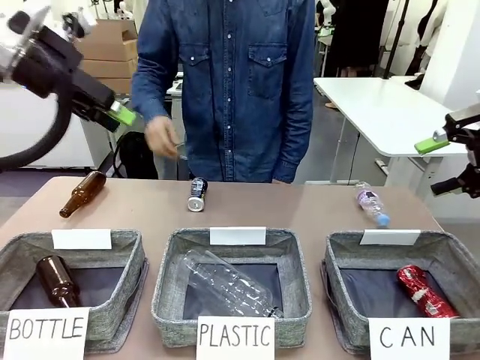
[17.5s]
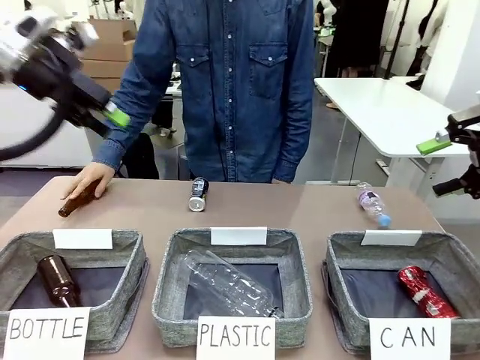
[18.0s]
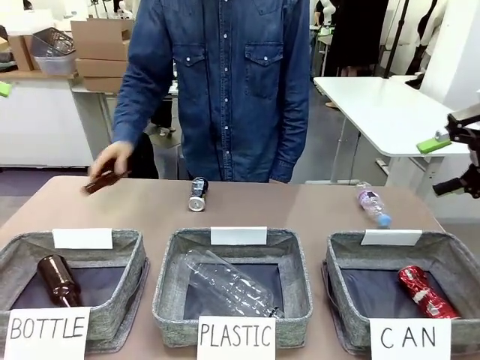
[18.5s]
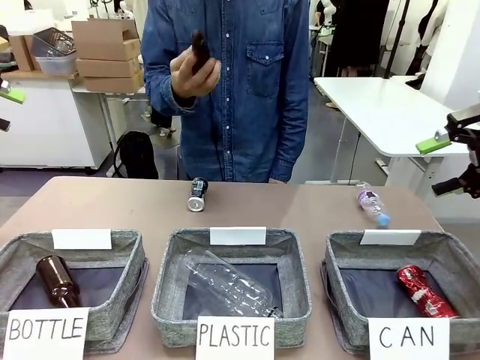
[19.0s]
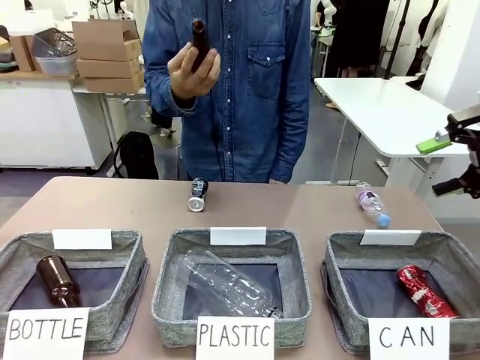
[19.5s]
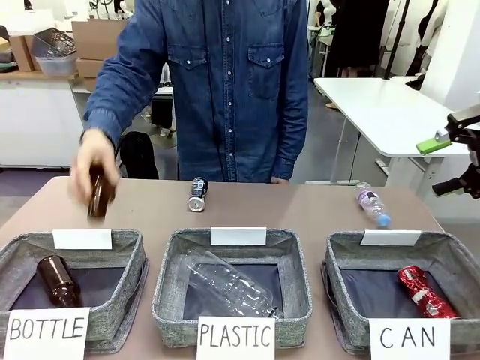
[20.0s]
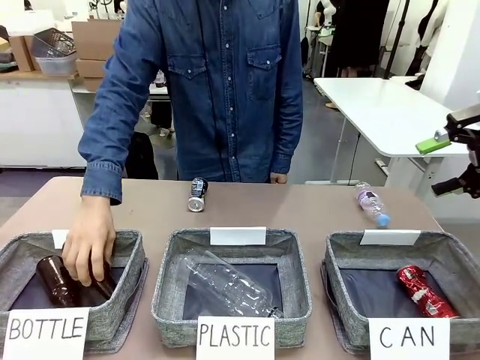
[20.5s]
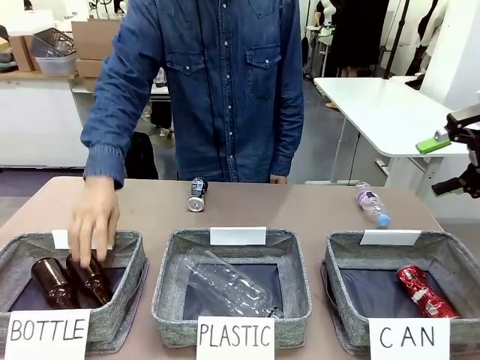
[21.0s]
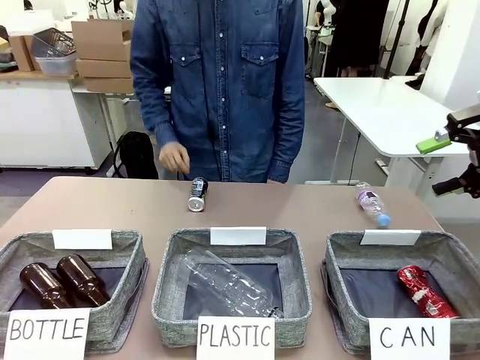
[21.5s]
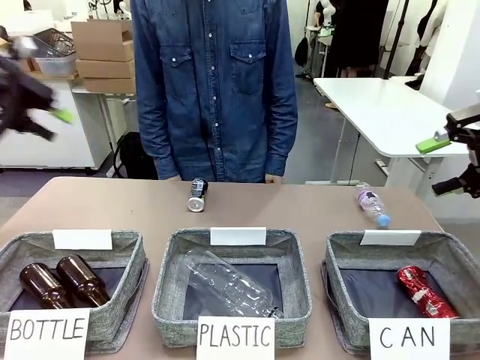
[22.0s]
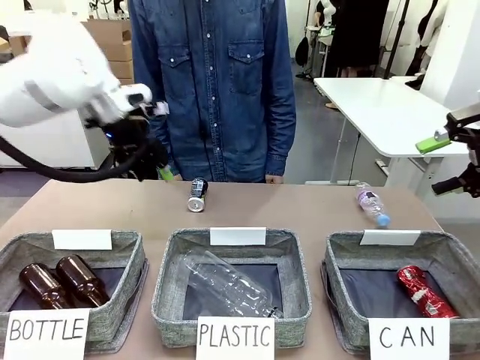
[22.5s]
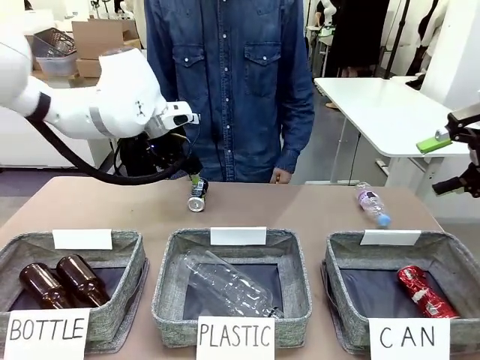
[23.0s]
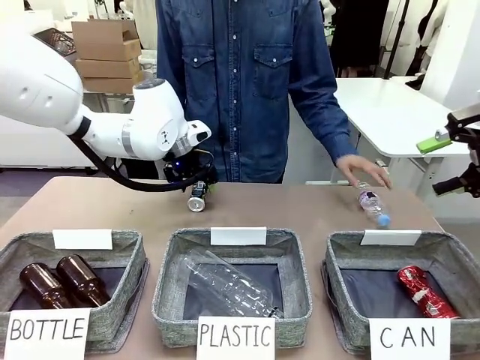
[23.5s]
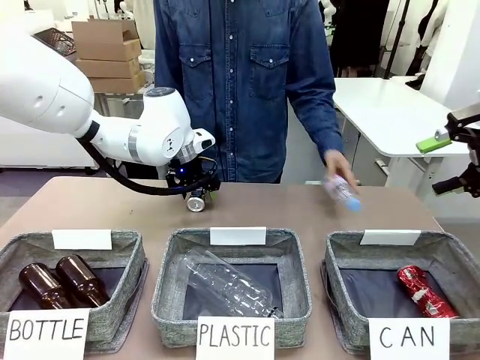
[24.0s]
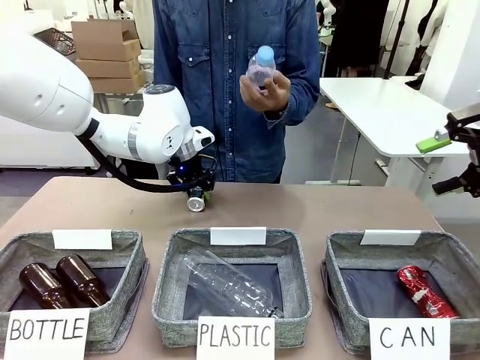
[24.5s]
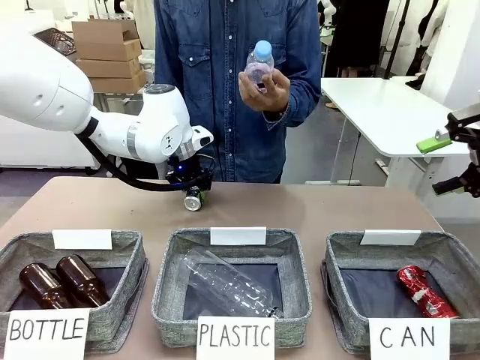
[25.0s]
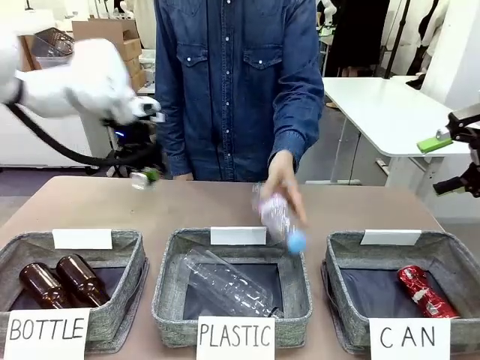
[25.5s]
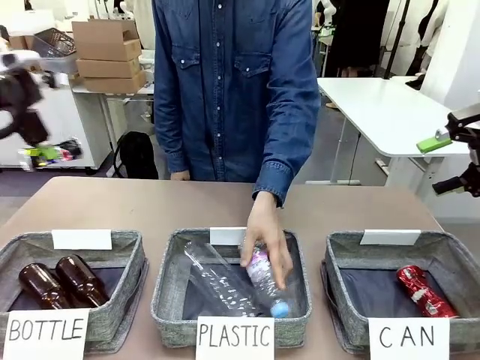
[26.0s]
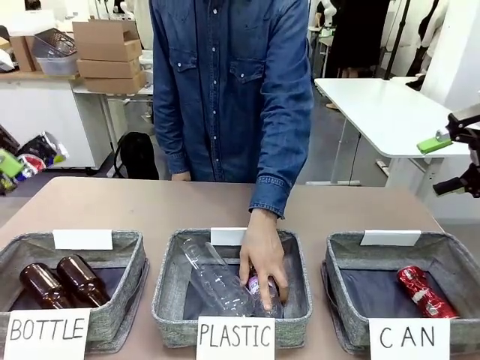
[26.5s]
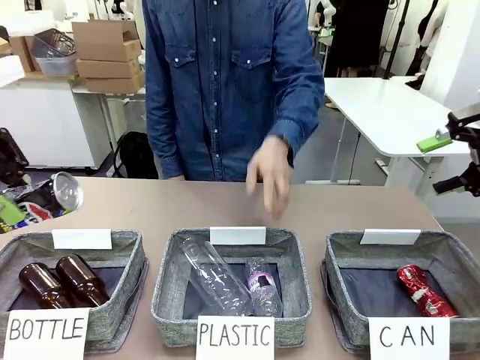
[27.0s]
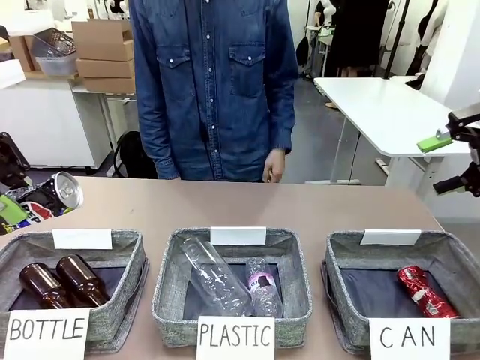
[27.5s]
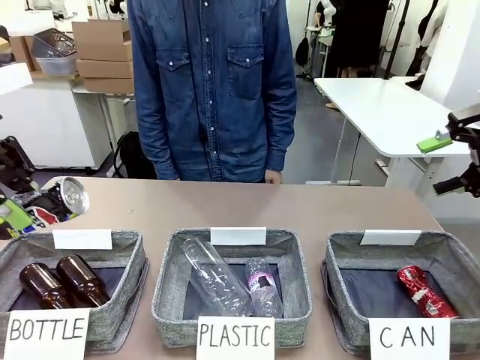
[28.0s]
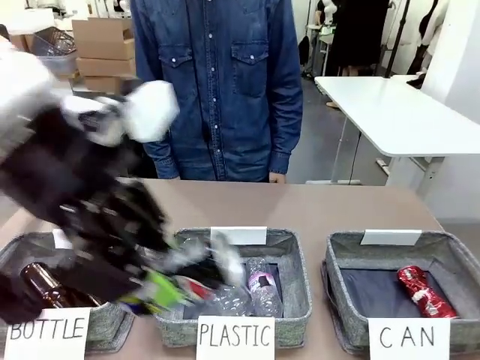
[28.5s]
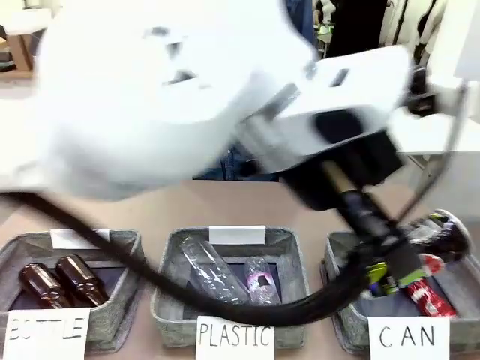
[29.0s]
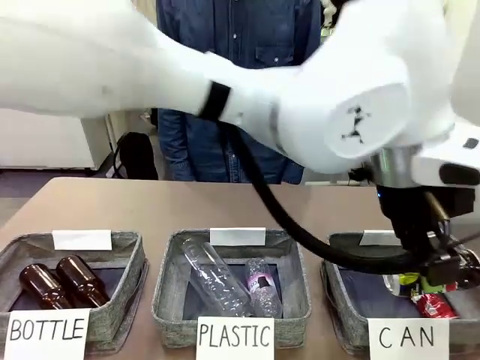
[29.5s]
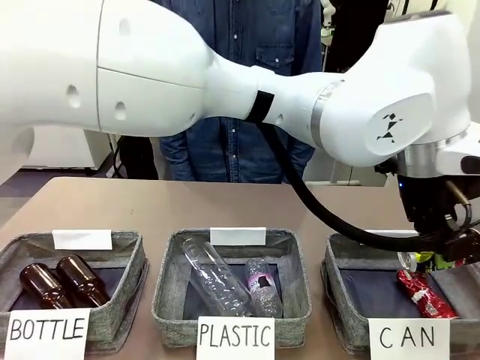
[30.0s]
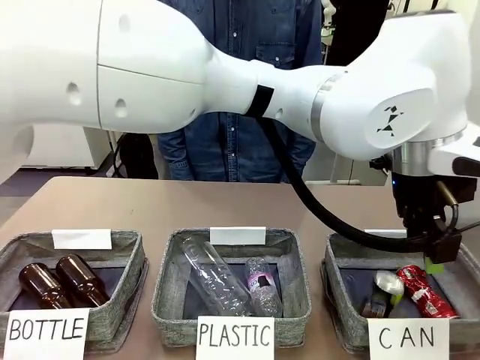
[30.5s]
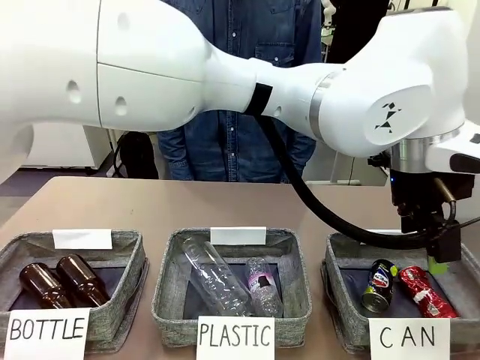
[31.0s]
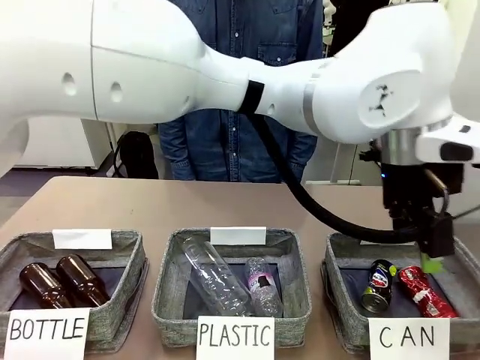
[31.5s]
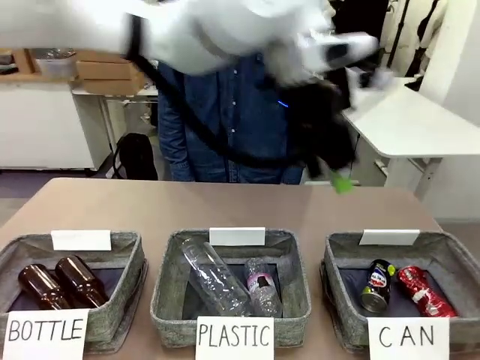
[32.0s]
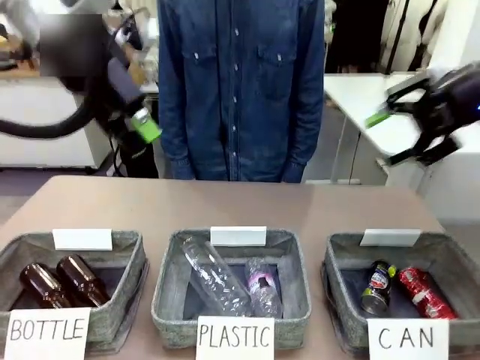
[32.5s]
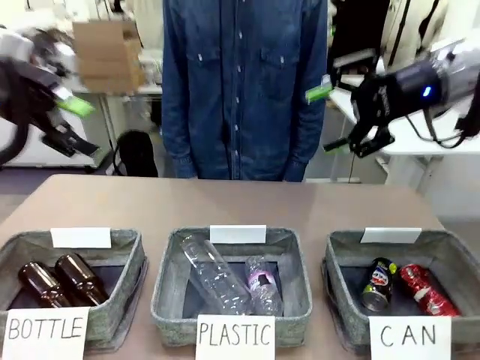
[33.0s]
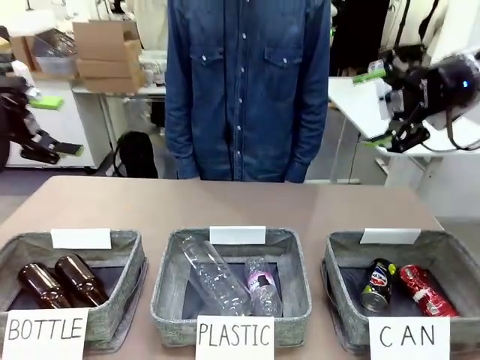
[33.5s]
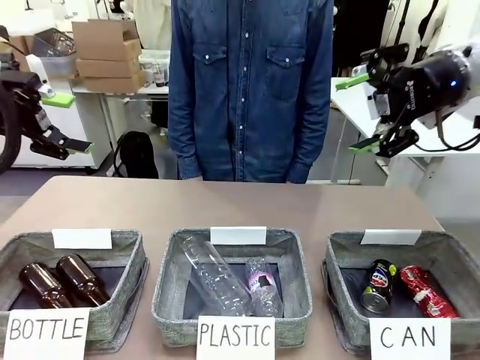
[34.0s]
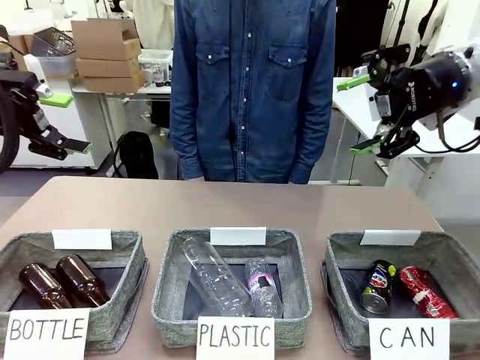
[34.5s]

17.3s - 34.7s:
Task: Sort the can waste into the basket.
Robot: Pick up the can waste from the table and place it in the right Fabric basket.
Person: The human picks up one piece of trash that is not a can and places the trash into the appropriate organizing basket.

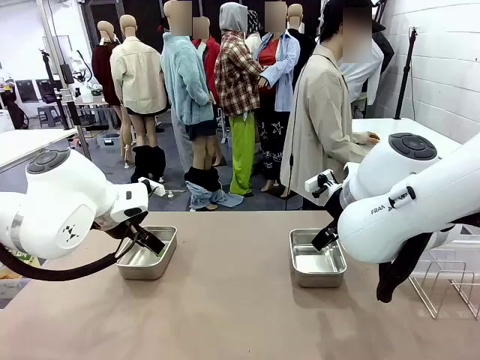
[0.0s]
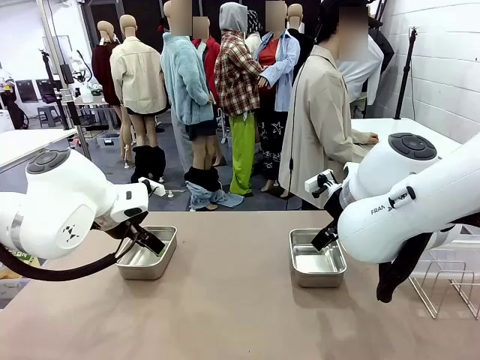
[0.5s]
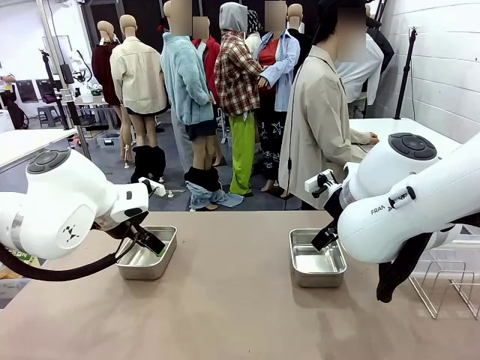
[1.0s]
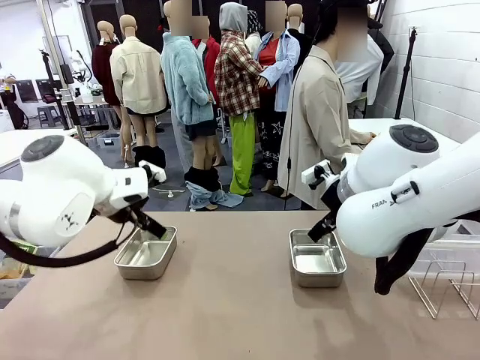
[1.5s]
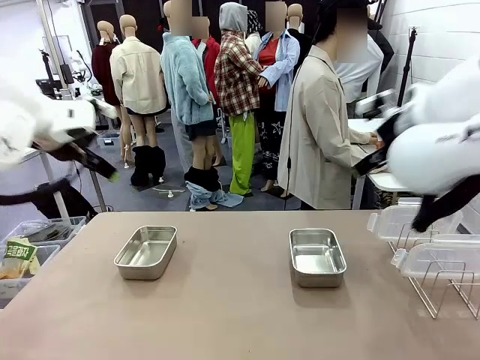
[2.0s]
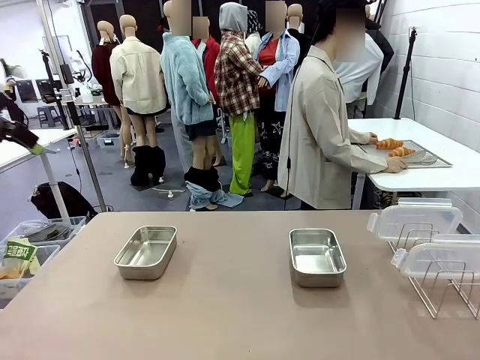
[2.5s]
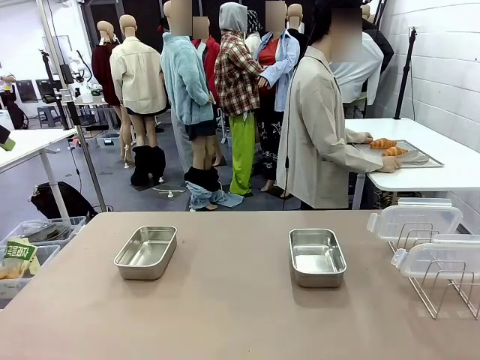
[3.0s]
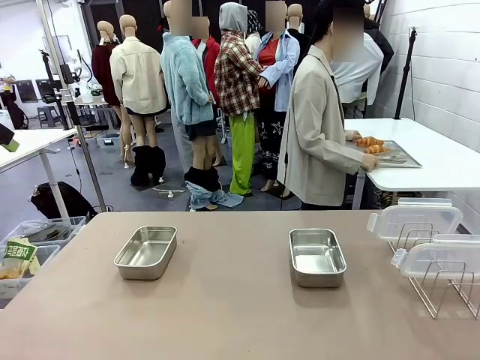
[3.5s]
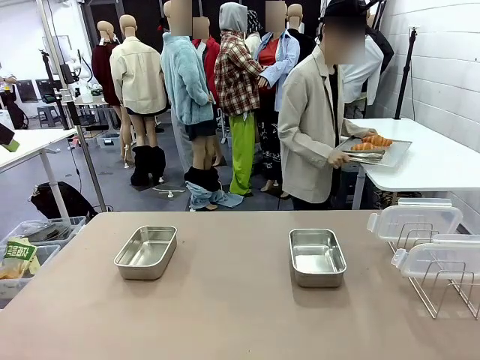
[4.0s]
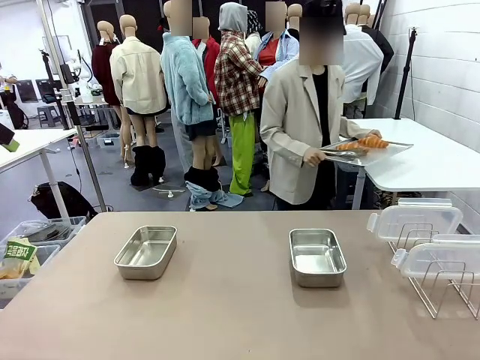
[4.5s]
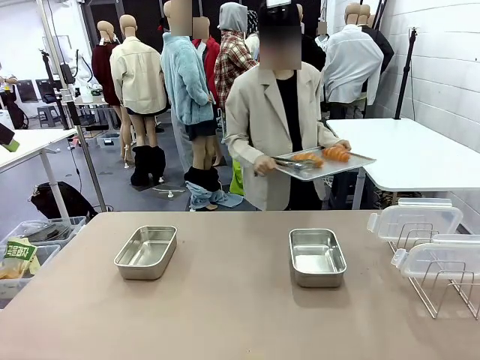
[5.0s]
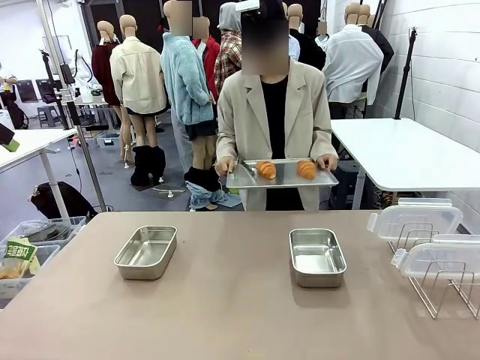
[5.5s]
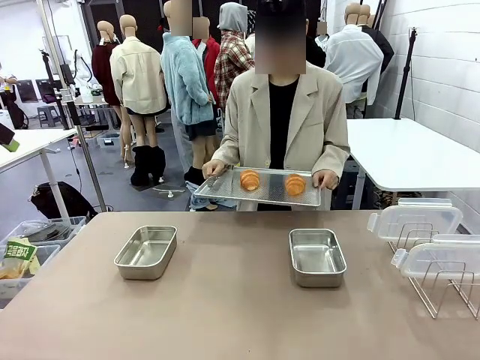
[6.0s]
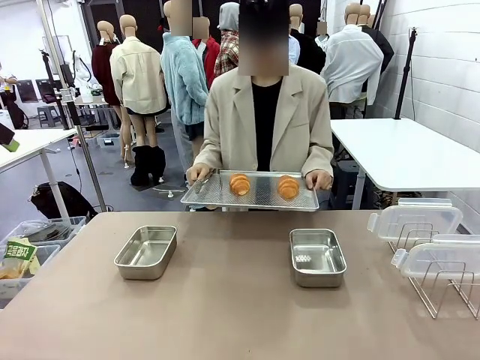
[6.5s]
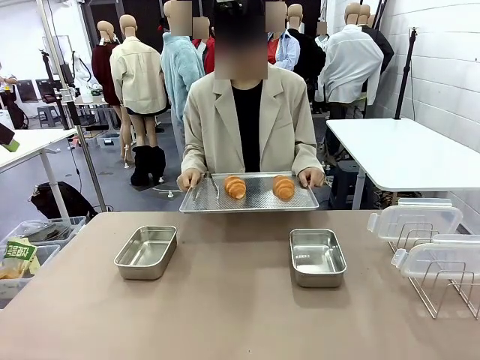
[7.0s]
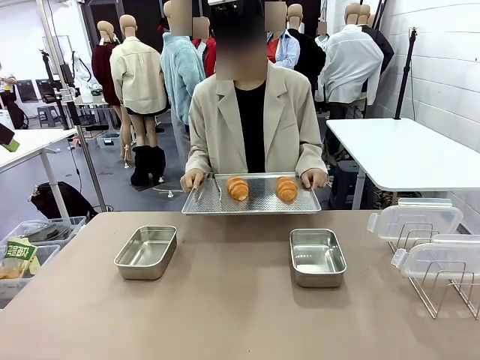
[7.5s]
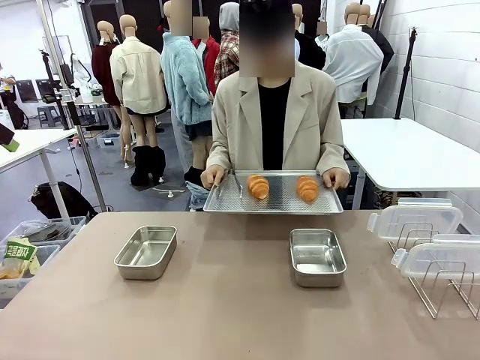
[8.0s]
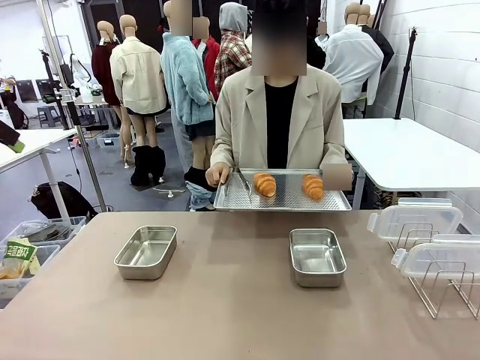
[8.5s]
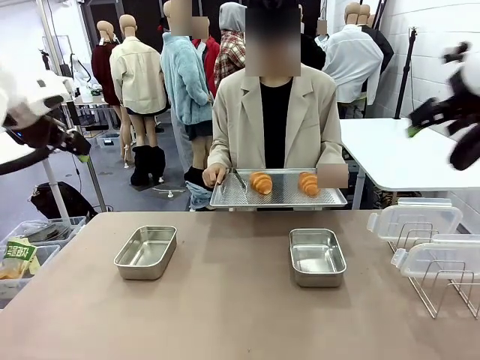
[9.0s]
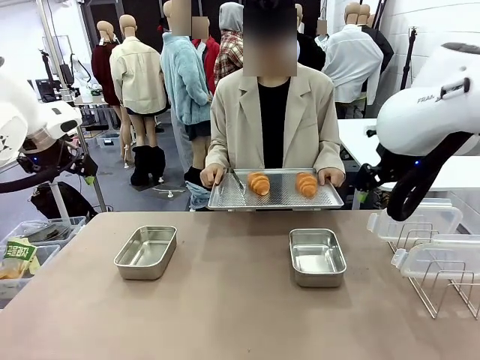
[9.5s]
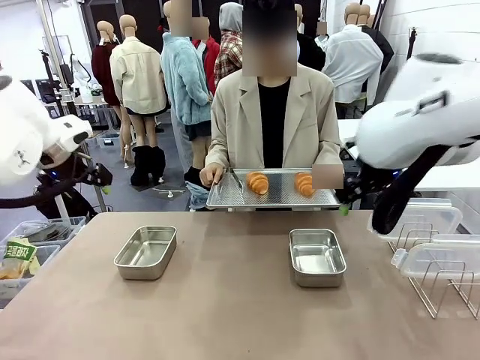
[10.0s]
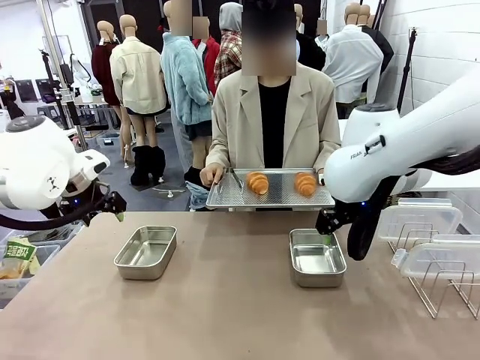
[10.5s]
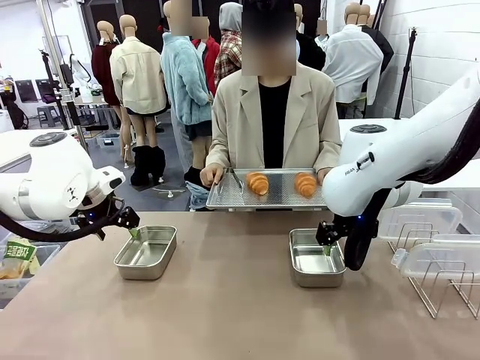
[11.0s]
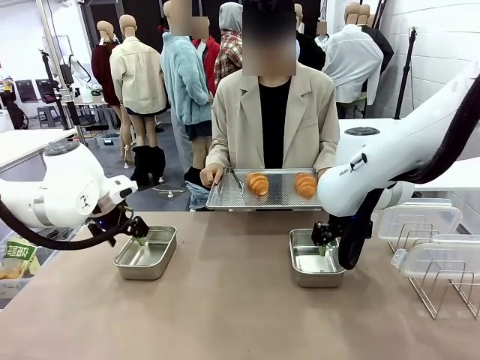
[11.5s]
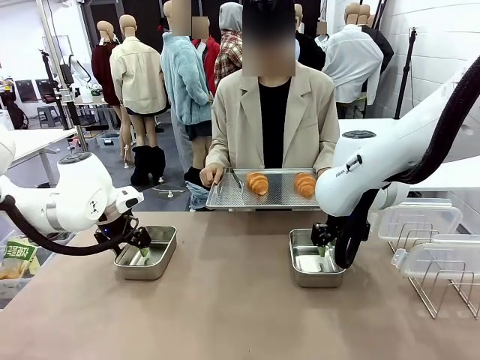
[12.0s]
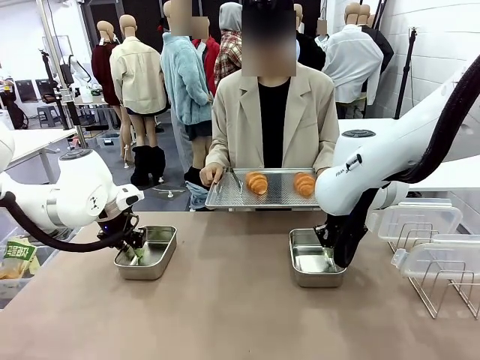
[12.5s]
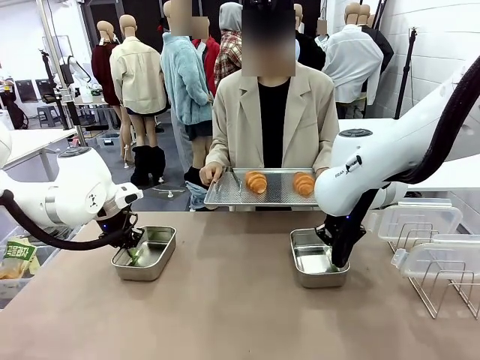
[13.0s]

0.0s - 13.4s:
Task: Place the bread in airtight containers.
Robot: Lift both Airtight Container.
Person: Bring the Baking Sheet in front of Robot's Table.
